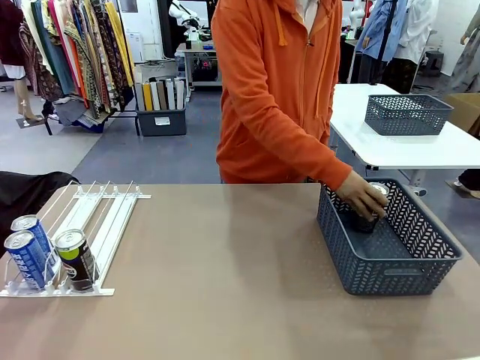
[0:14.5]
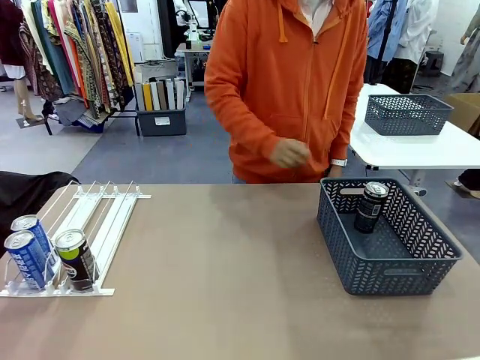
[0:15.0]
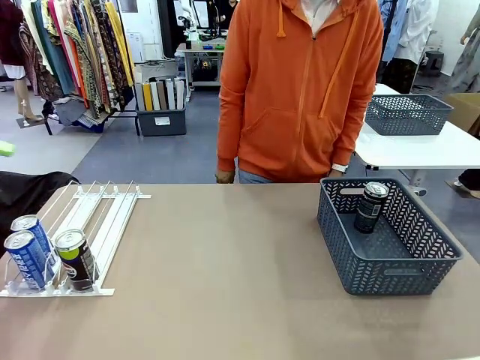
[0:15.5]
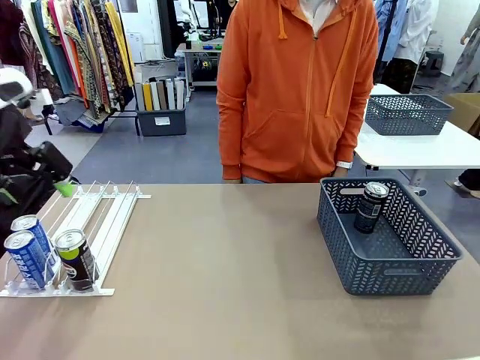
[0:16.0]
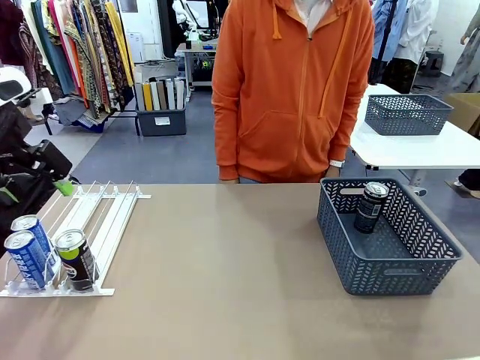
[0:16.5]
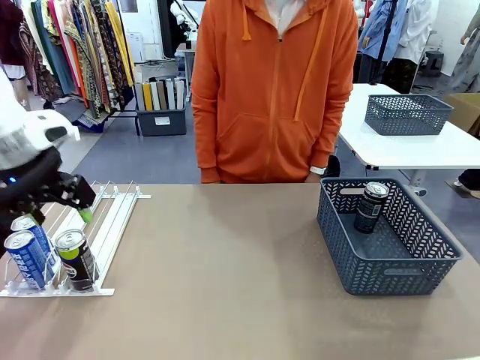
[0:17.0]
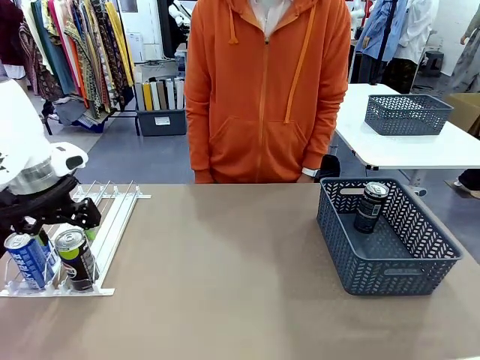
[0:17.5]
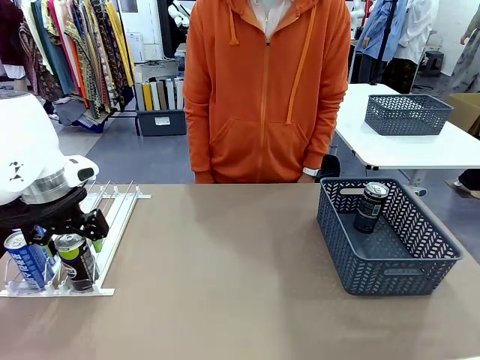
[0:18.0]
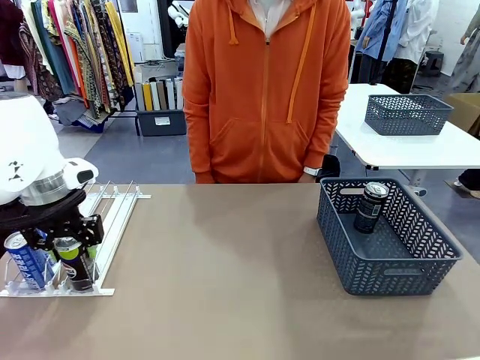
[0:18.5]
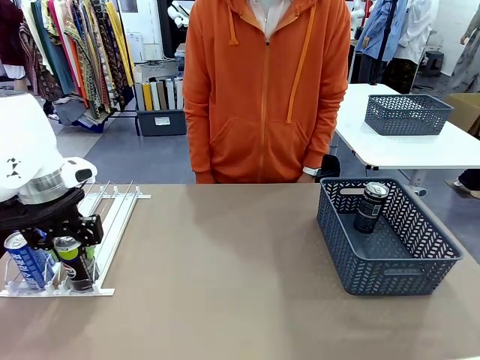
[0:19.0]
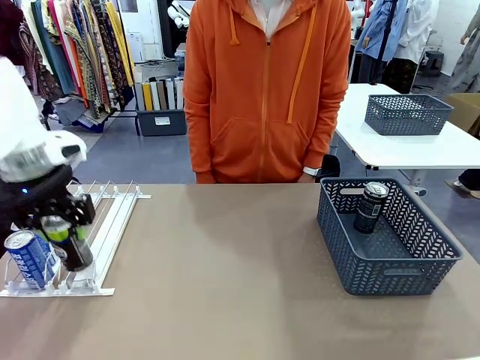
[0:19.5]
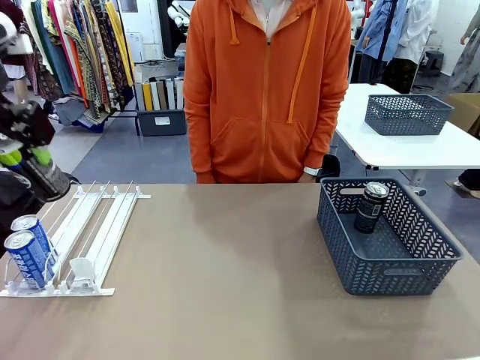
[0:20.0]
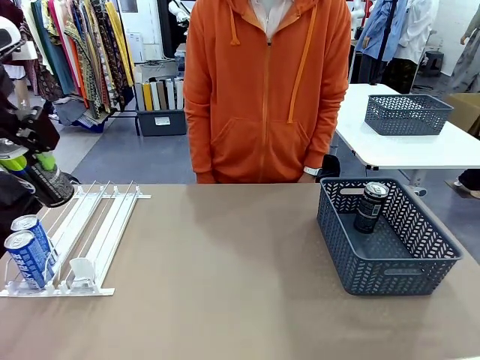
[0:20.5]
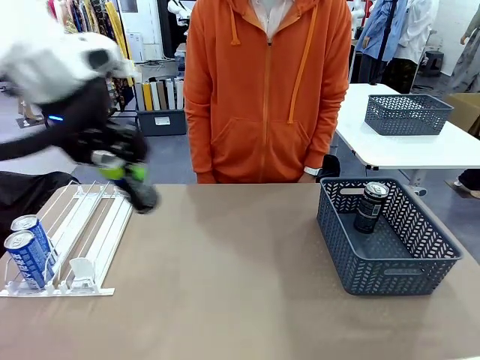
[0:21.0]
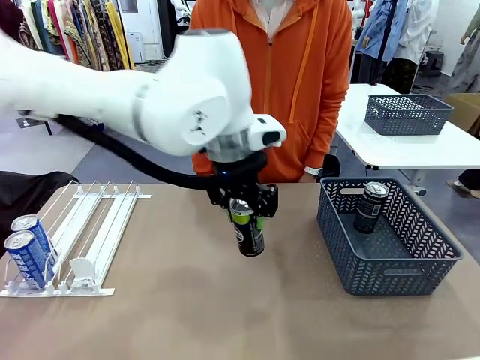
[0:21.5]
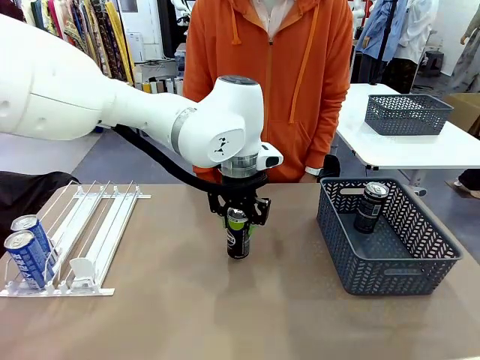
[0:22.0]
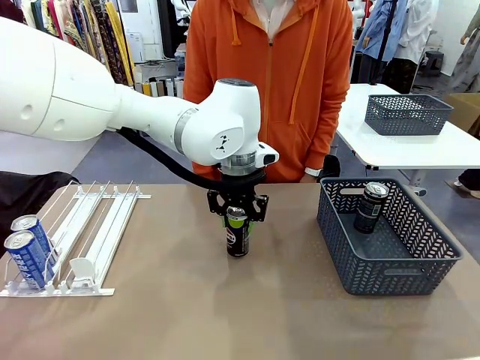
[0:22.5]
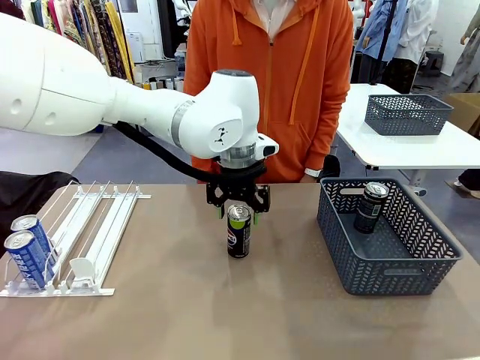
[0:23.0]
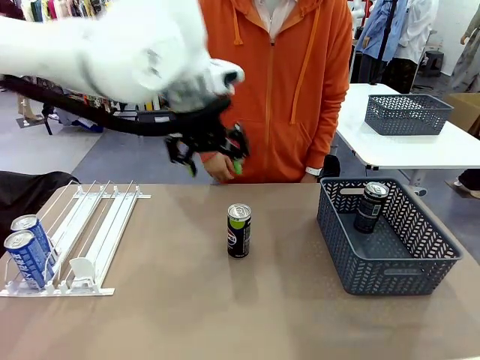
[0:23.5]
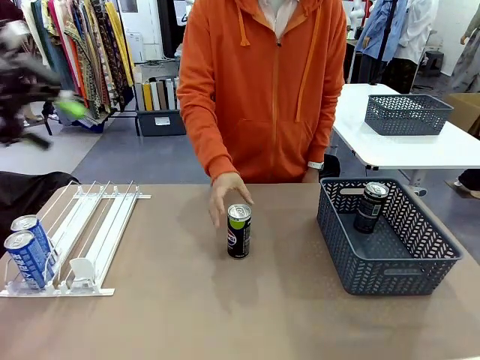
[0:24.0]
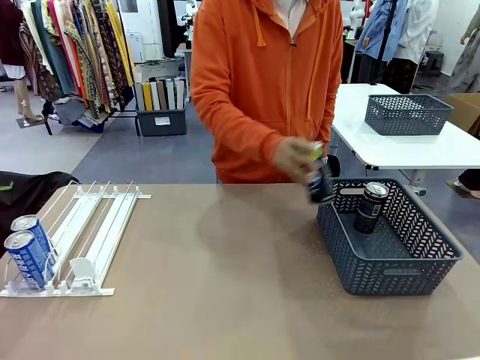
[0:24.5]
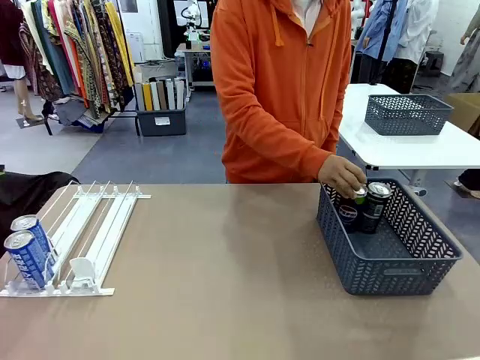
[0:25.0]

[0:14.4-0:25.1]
Task: Retrieve and store the cans from the dispenser.
Robot: Pick up the last remaining can from one row of the Automatic Can Dispenser and place it in the middle of the table.
Person: Pick up one Pepsi can from the middle of the robot table and place it in the basket.

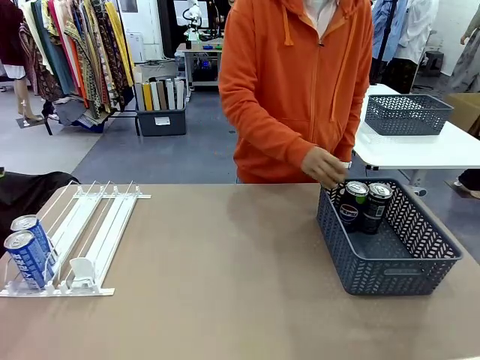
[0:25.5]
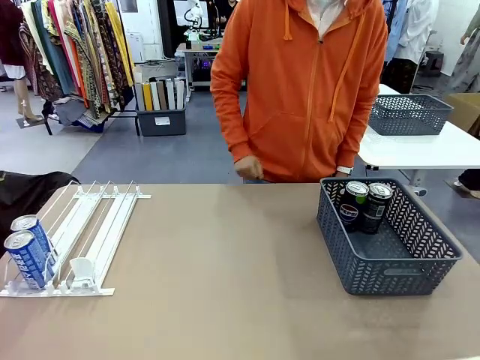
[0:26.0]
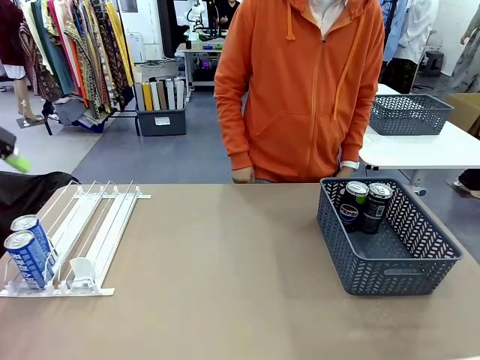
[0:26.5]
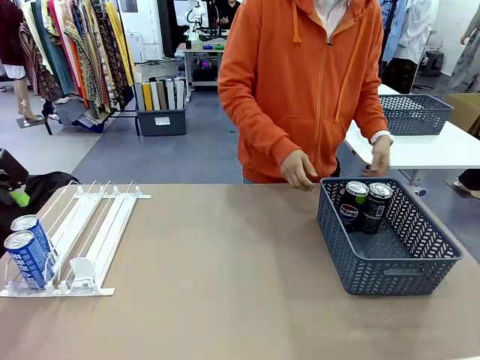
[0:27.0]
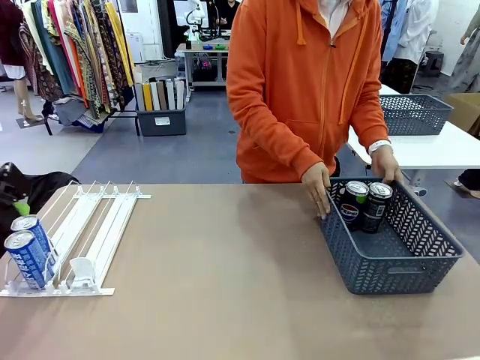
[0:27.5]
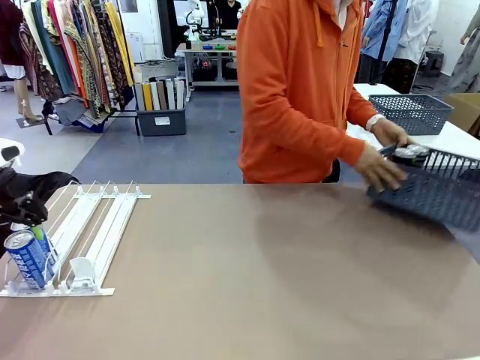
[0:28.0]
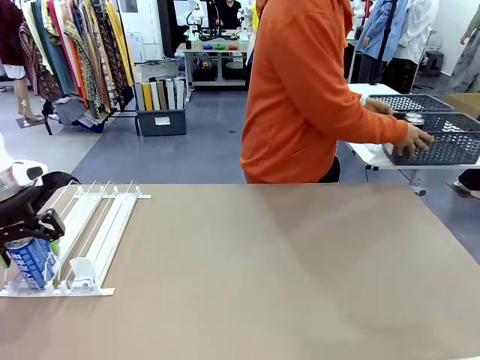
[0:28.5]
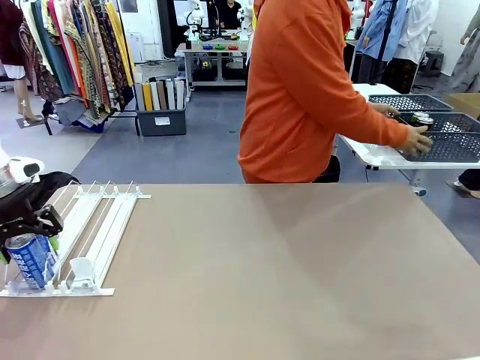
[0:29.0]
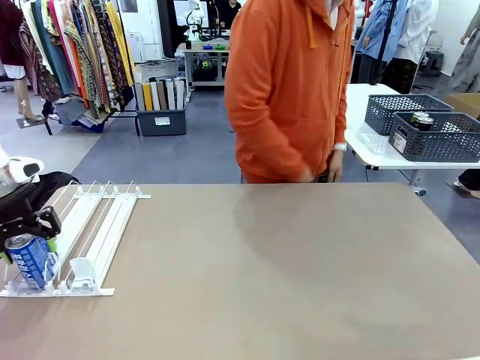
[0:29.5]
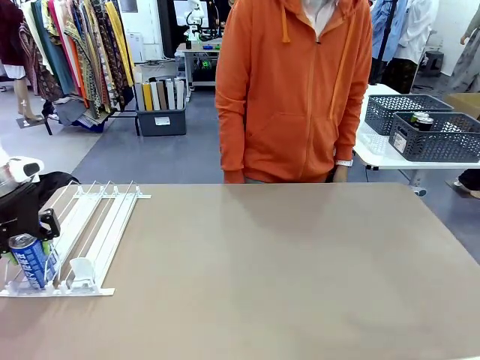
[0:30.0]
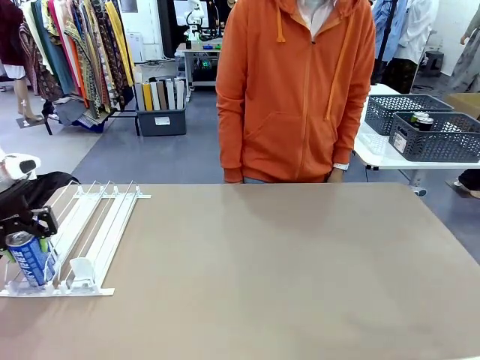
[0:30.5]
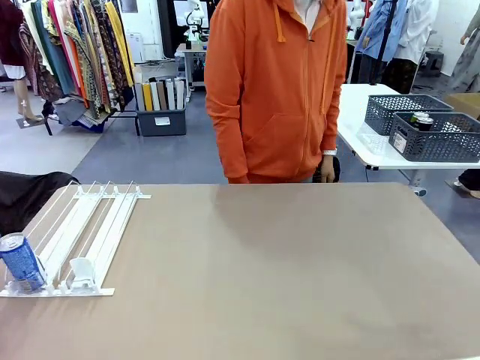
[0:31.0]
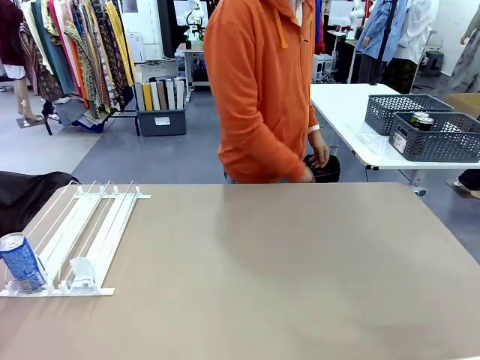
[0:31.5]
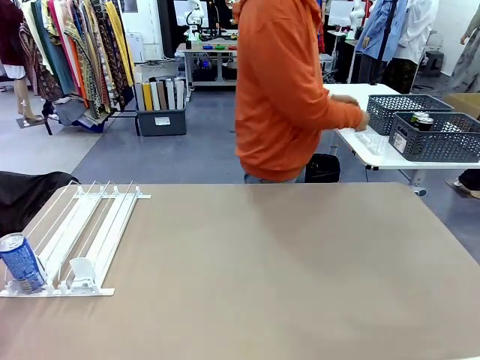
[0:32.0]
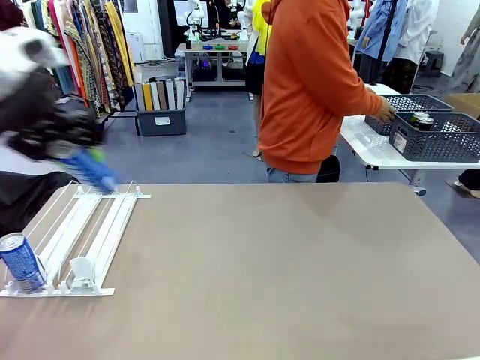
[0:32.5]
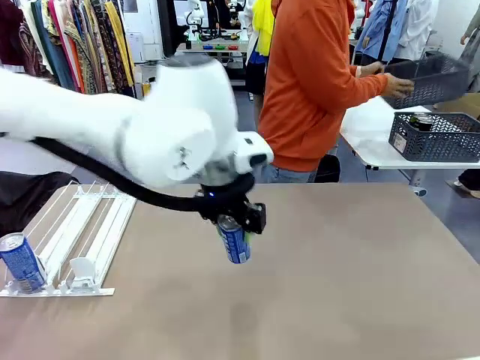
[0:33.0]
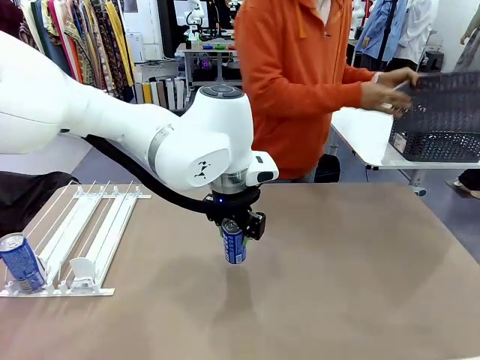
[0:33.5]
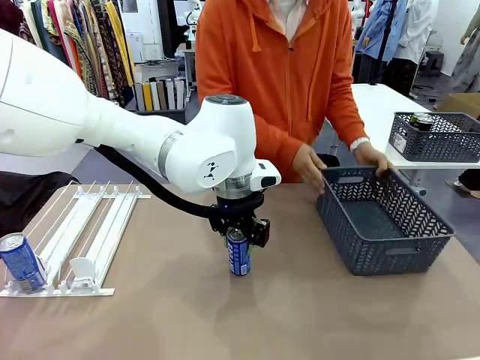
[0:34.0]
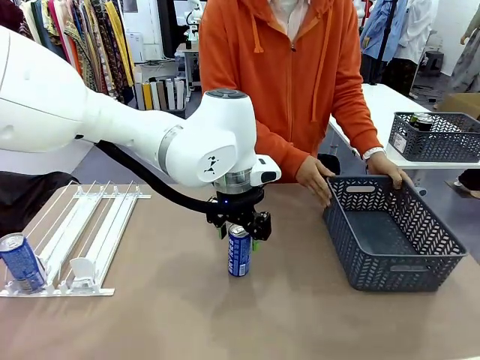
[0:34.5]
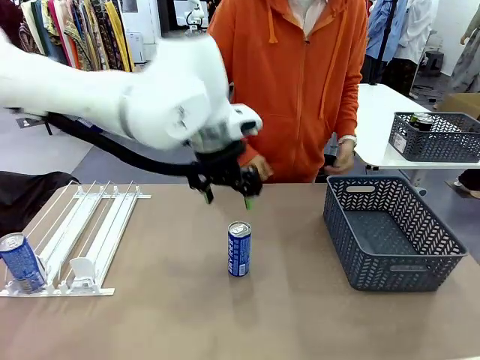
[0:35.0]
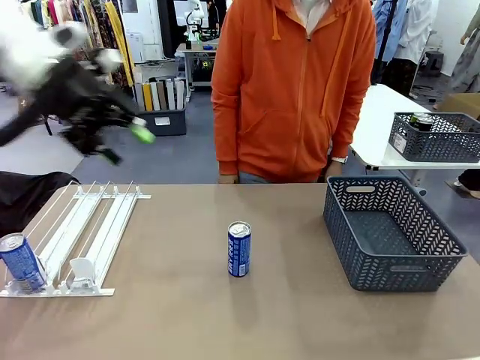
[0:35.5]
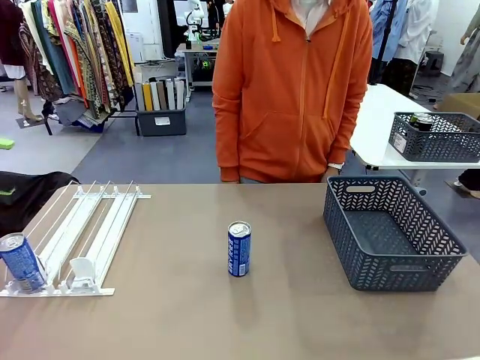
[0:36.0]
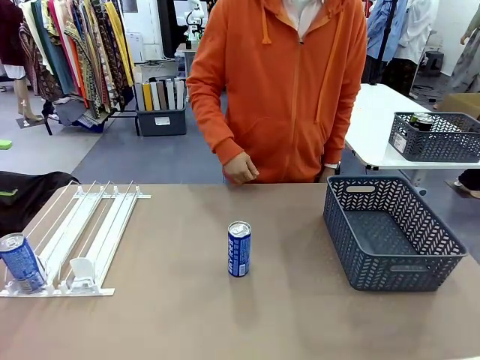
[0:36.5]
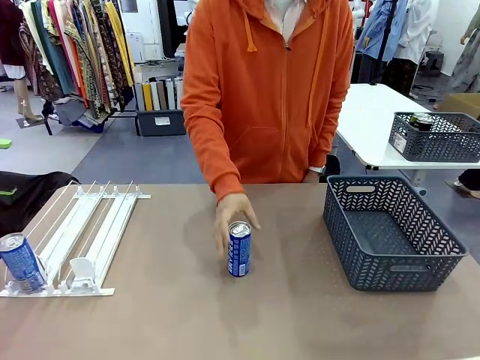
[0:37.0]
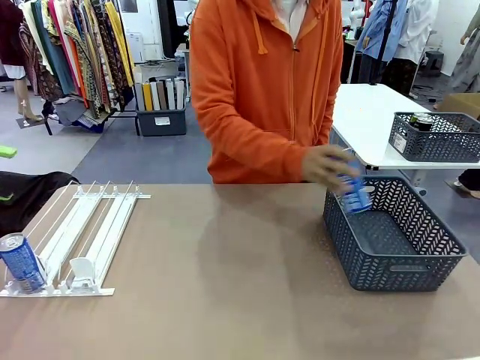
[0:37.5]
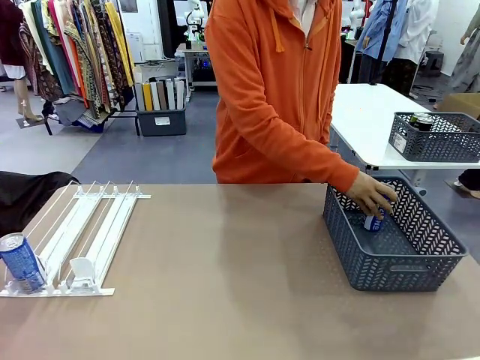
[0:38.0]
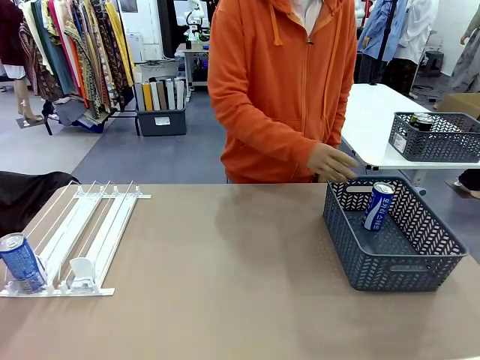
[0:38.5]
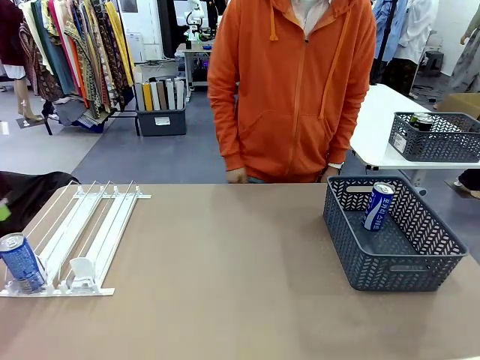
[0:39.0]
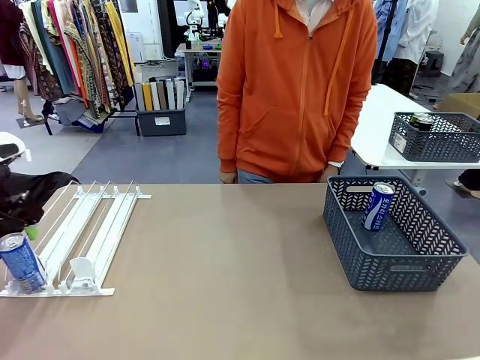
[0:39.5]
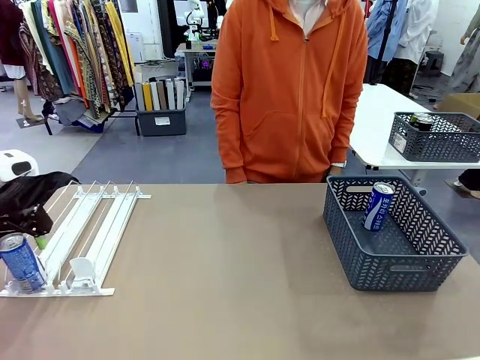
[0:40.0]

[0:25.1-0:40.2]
Robot: Pick up one can from the Automatic Can Dispenser and place it in the middle of the table.
Person: Pick up the basket and place it in the middle of the human table. Pick up the empty basket and place it on the left side of the robot table.
